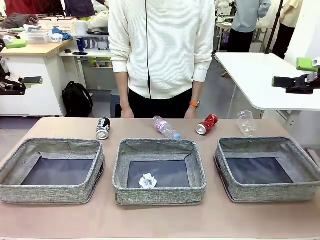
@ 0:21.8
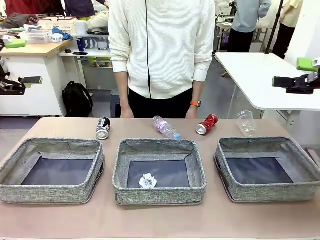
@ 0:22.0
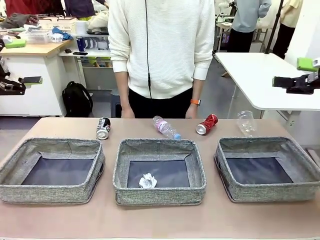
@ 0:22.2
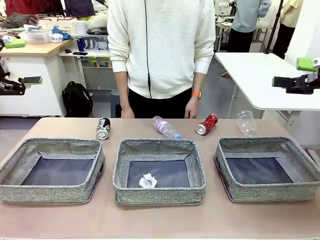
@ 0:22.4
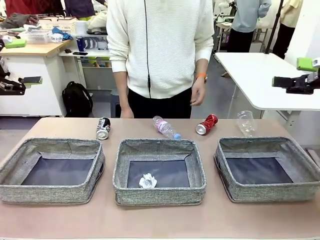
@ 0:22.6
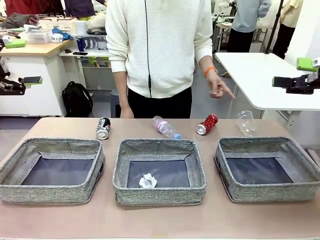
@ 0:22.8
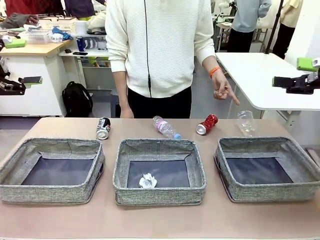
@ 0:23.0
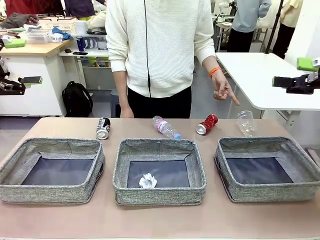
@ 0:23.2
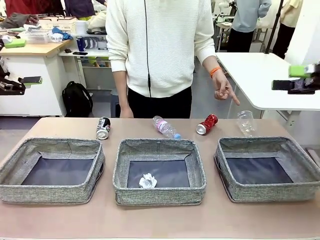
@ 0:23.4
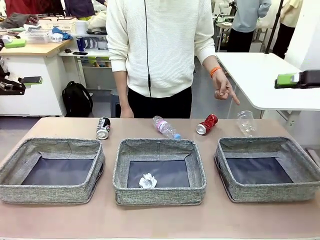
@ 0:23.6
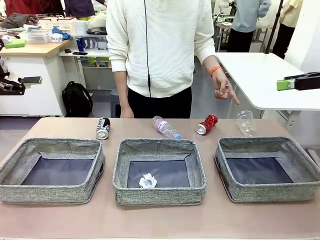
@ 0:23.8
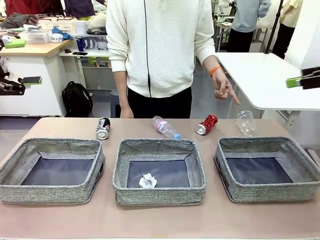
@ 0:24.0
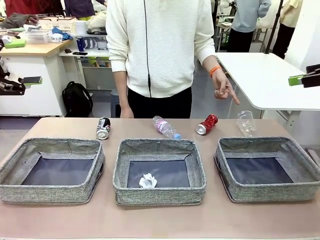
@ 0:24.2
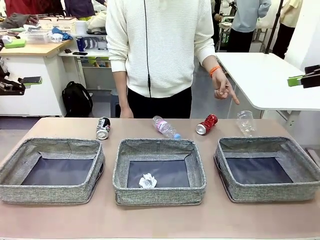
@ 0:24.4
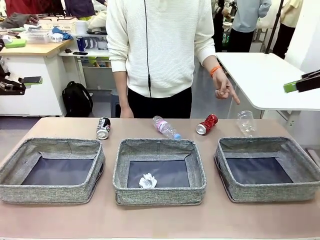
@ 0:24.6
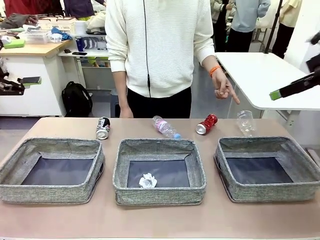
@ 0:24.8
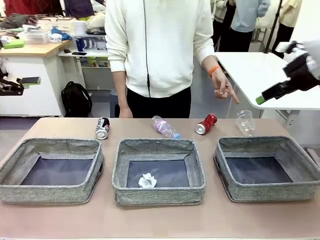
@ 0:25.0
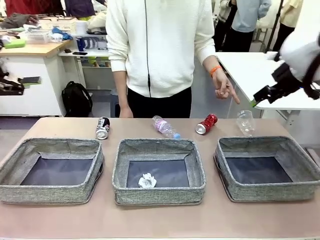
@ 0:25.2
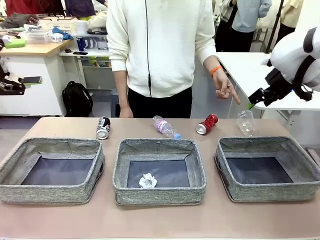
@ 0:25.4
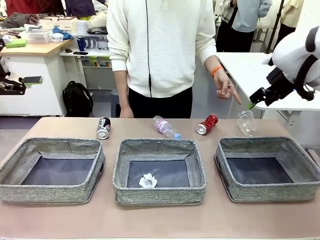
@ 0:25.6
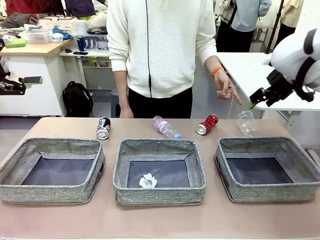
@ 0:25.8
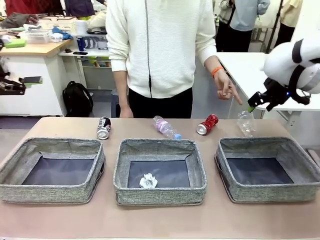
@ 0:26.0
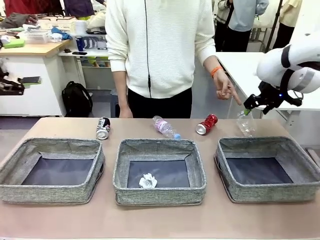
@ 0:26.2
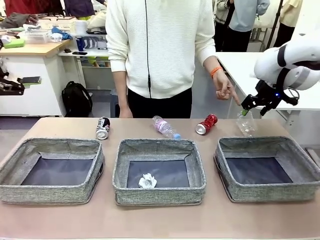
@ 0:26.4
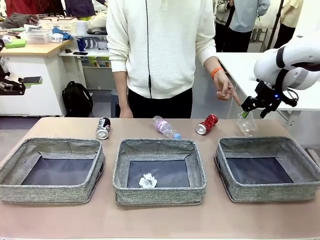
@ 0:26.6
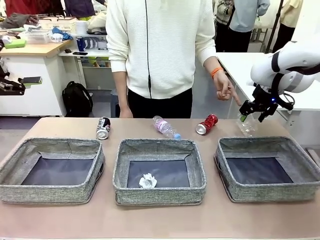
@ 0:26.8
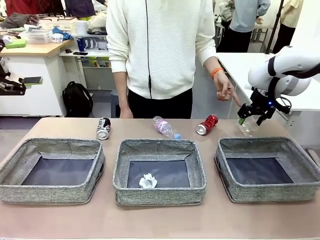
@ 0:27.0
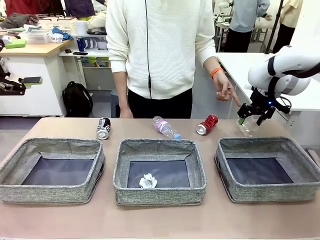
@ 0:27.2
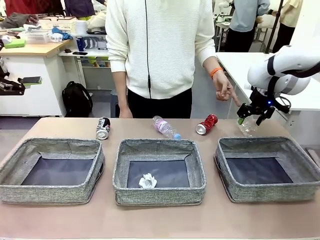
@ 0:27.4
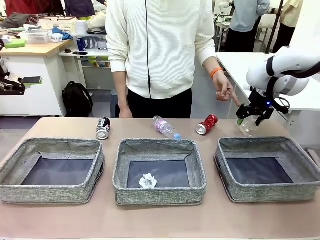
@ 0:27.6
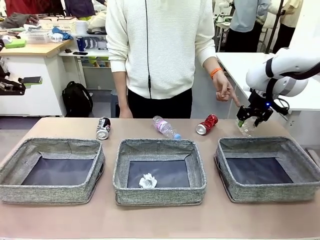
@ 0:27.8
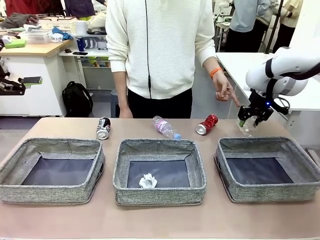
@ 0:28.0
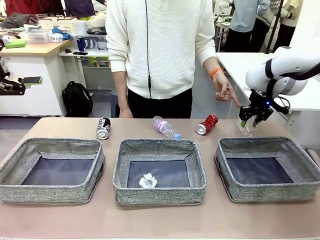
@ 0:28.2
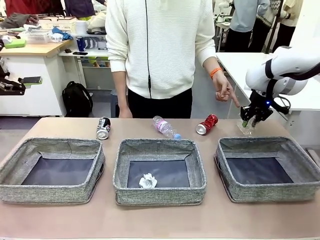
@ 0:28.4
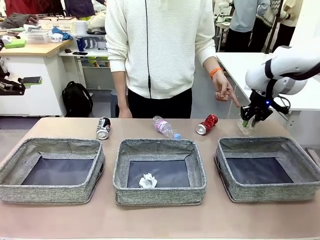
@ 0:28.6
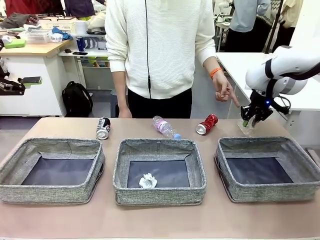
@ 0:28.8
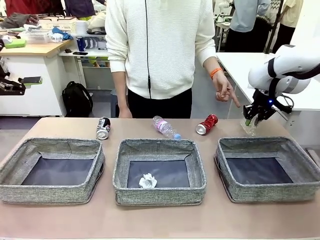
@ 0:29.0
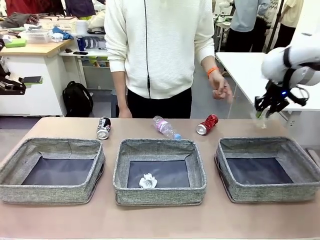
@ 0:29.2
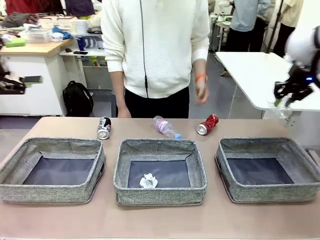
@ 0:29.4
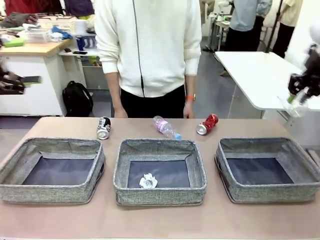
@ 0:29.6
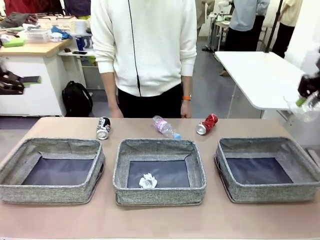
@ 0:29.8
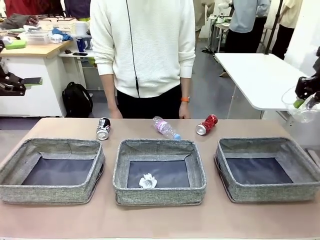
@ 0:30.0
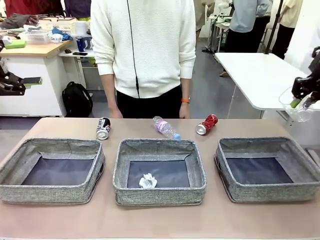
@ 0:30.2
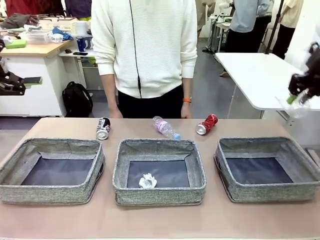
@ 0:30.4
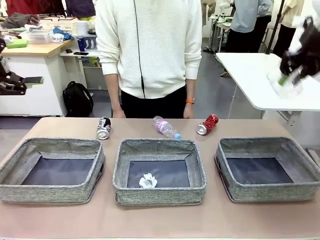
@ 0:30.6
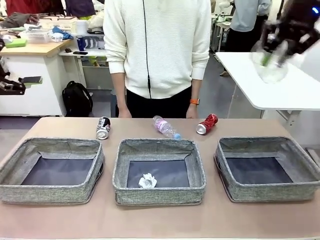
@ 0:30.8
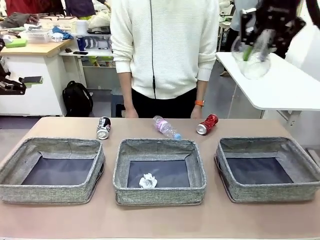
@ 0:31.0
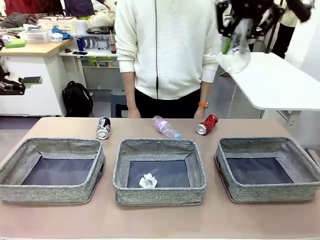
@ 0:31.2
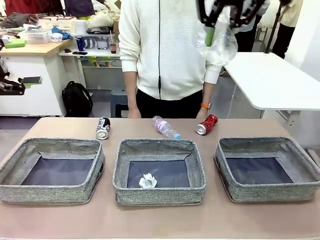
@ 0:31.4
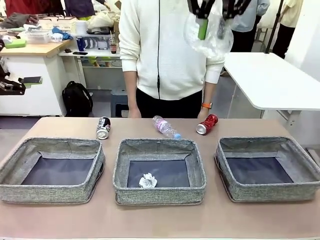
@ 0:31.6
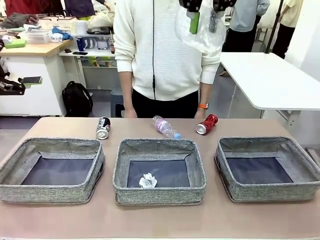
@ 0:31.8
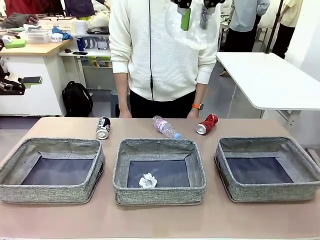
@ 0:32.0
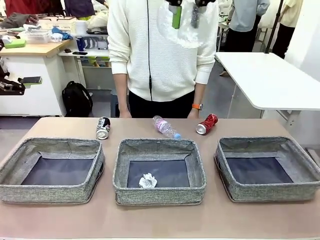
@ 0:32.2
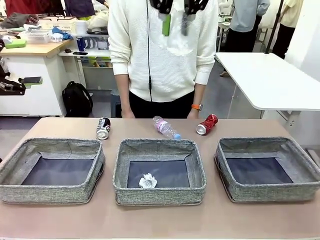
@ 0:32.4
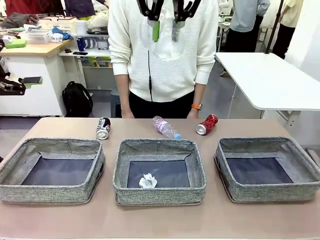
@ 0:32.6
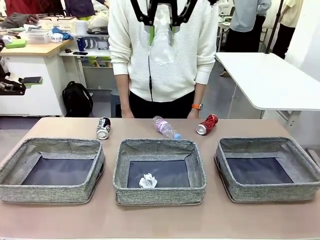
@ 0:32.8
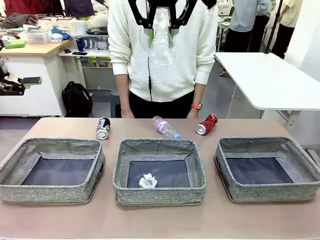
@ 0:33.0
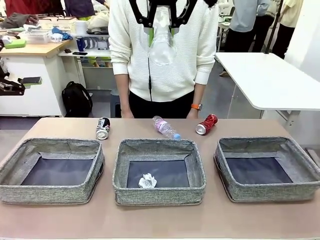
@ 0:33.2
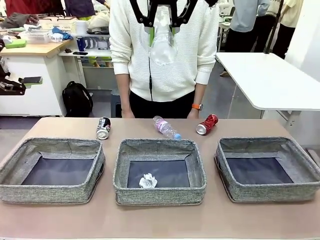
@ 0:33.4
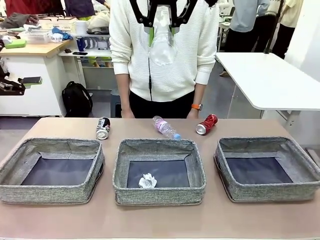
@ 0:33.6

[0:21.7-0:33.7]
Task: Sort the waste into the appropriate baskets.
Robot: Pick up the waste item pointed out by the person.
Person: Points to one piece of trash on the table.

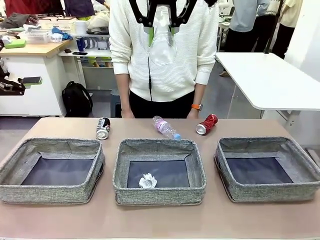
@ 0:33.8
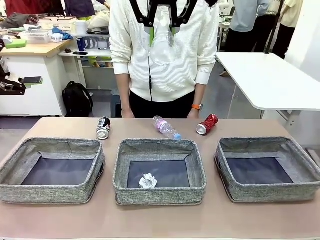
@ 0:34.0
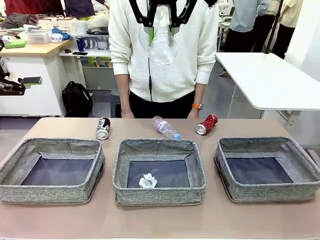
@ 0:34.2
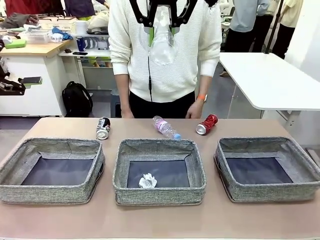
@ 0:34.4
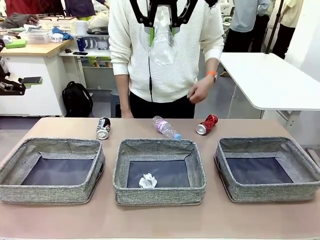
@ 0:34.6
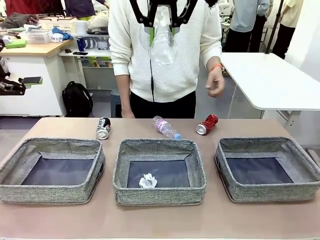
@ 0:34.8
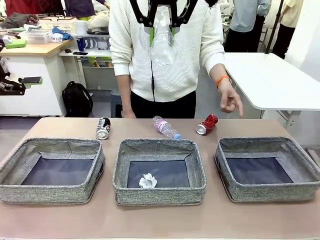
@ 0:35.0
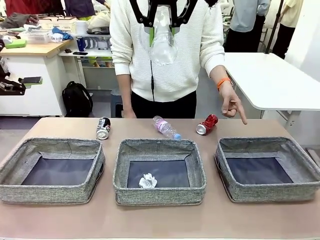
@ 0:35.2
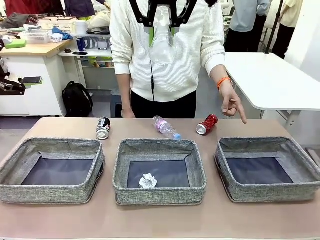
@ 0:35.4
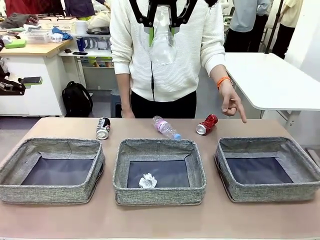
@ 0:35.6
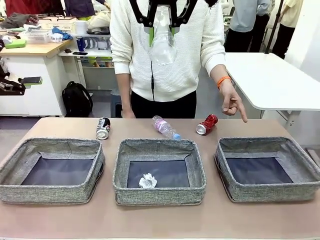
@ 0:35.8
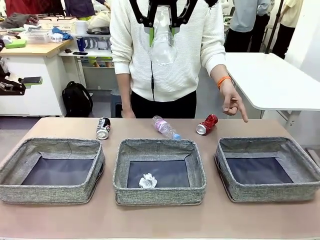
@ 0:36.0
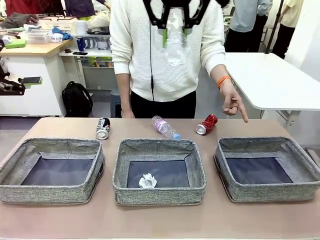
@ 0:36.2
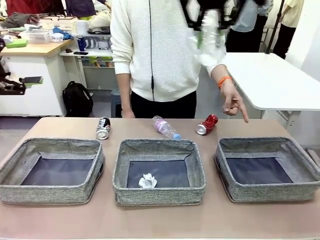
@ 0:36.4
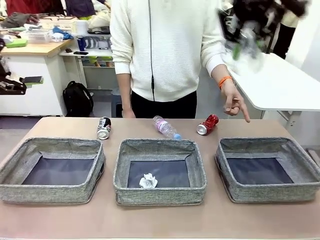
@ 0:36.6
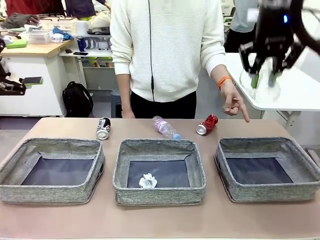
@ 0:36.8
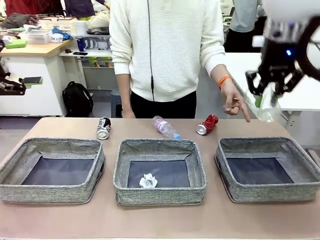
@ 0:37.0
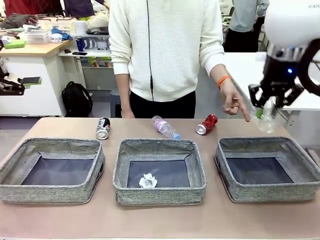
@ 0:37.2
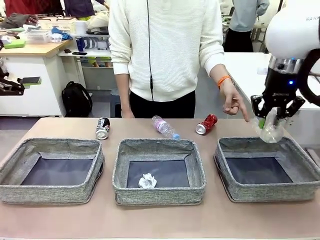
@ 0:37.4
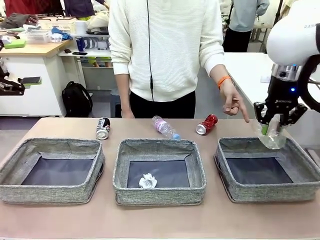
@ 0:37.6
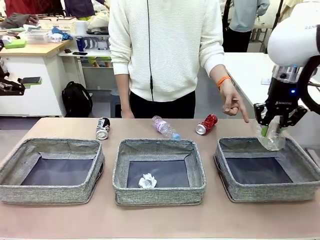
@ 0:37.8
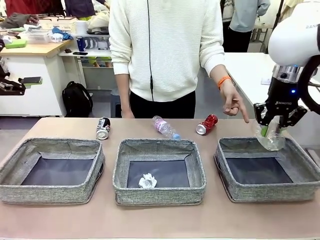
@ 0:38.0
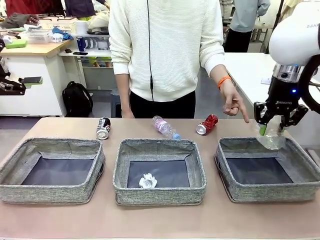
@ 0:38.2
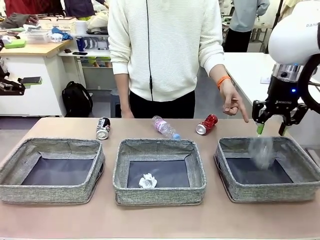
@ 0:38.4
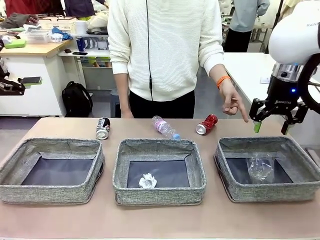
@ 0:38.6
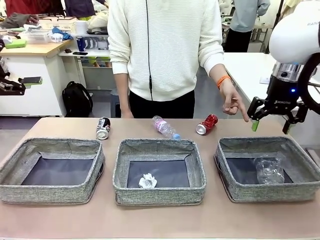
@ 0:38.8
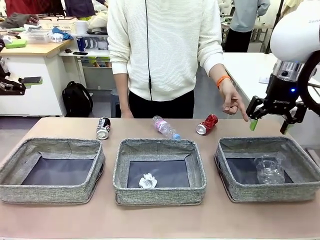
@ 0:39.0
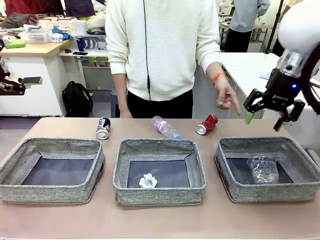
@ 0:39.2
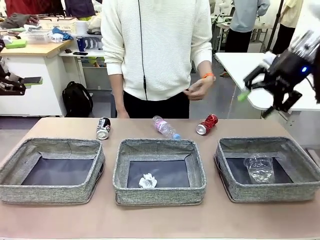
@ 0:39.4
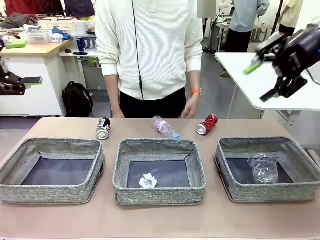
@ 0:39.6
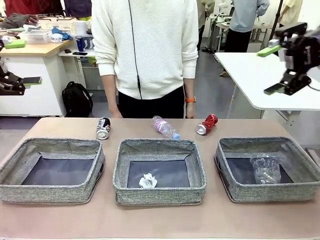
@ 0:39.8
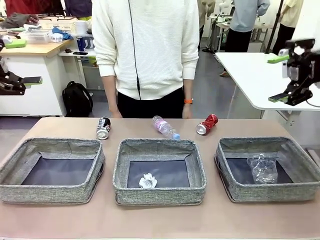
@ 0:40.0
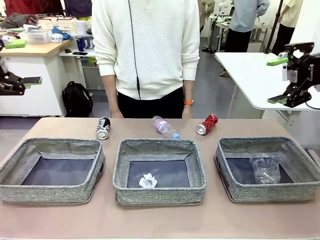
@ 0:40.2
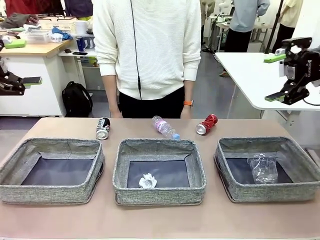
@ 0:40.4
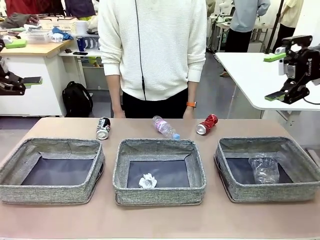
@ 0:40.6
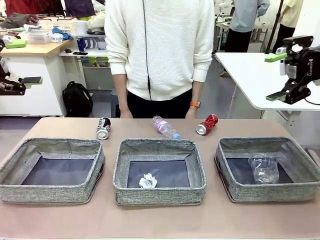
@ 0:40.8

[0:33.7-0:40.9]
Robot: Place the picked waste into the Fabric basket indicated by the person.
Person: Instructs the robot to place the picked-up trash into the appropriate organizing basket.
